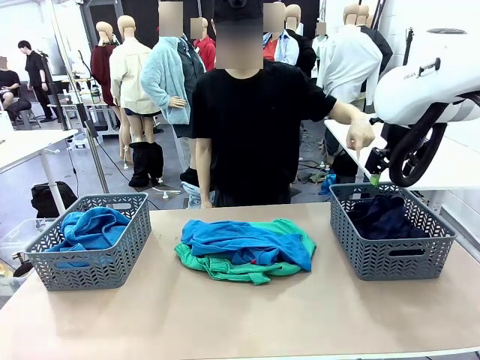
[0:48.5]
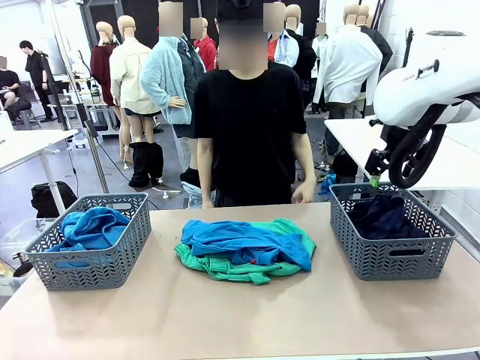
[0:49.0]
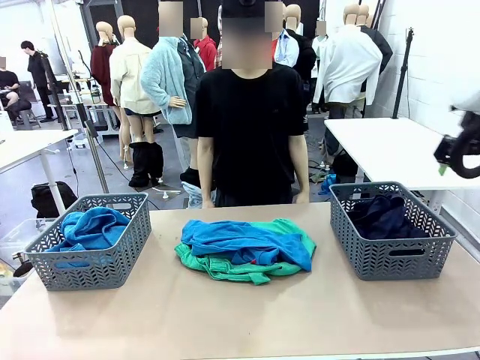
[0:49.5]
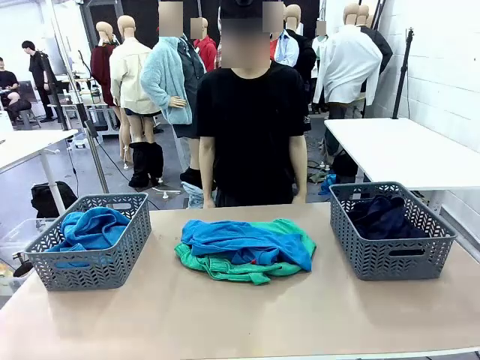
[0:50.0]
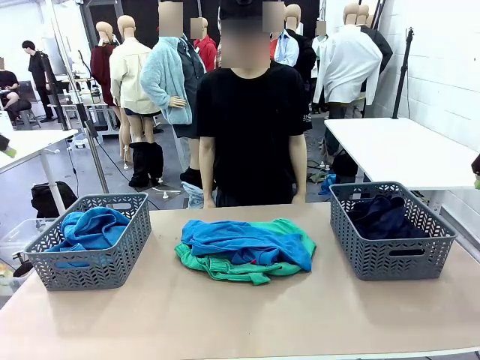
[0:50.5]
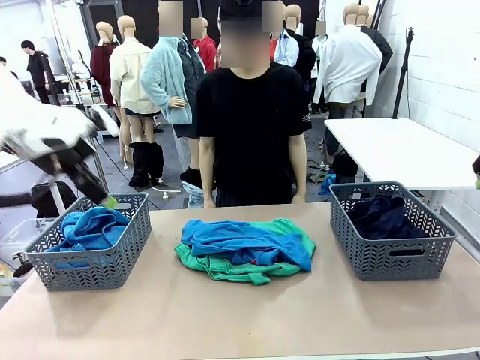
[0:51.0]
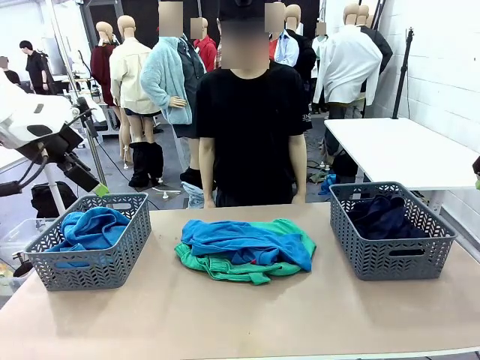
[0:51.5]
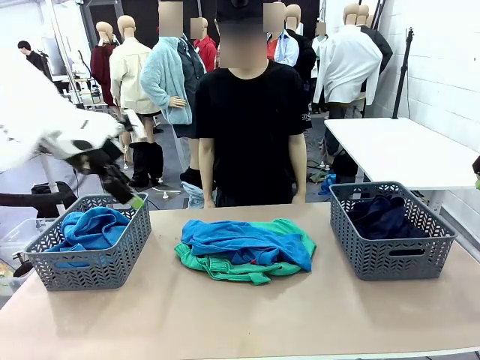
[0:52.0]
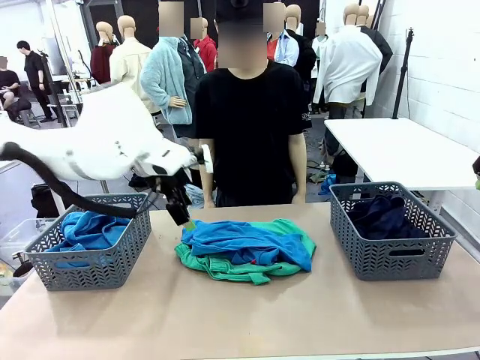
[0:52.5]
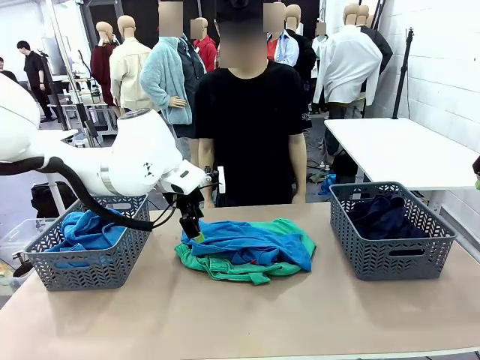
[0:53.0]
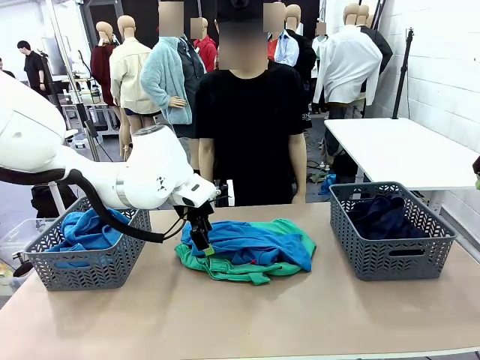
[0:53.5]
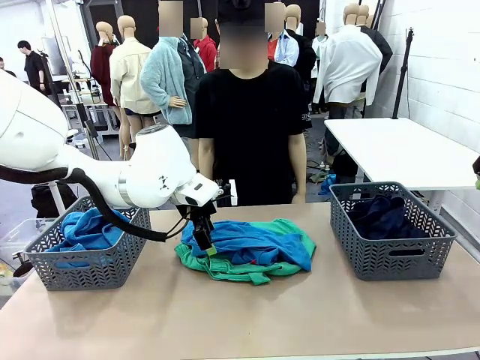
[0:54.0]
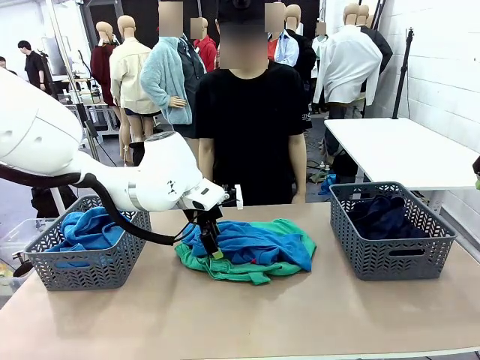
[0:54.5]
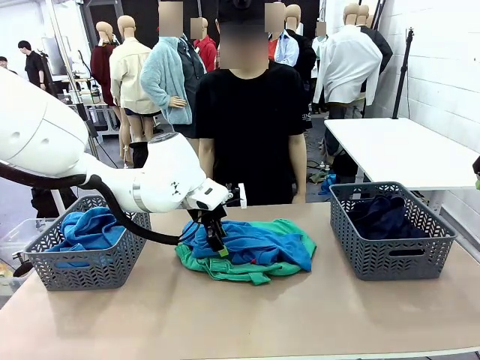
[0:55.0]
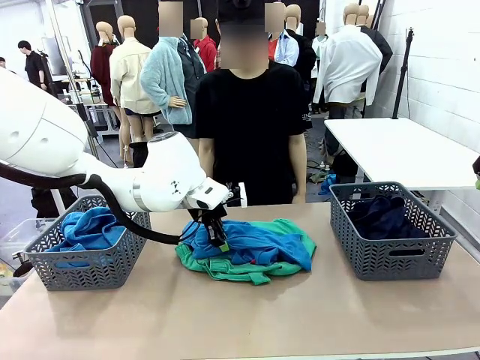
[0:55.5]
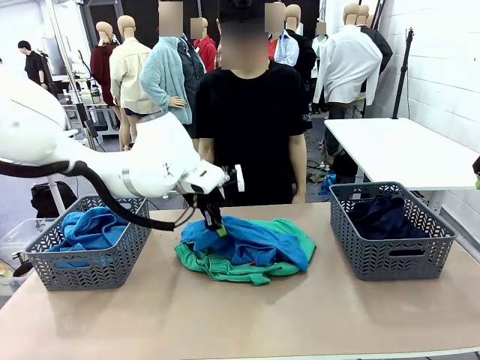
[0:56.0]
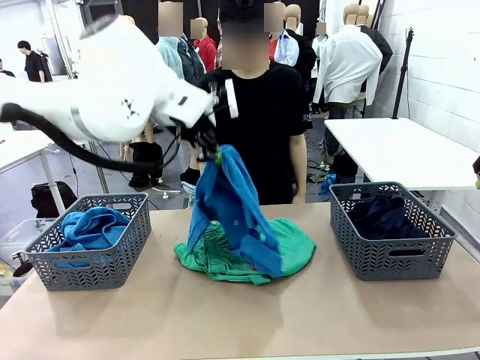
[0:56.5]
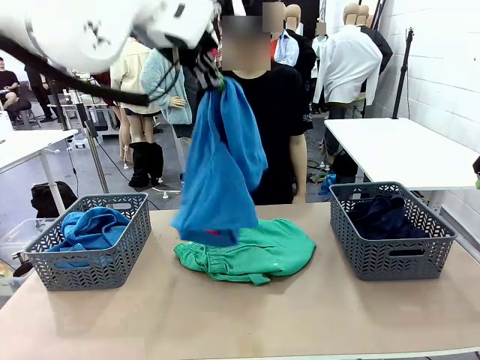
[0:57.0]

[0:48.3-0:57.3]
Task: Sort the tops and bottoms.
Robot: Lift clothes from the center of the table with your left hand.

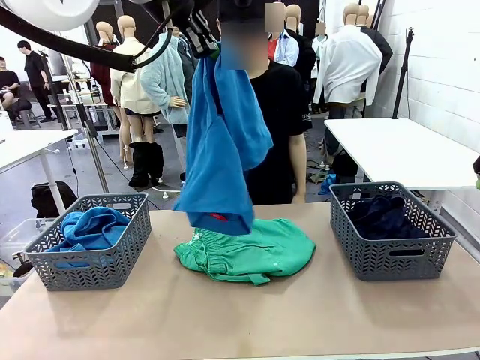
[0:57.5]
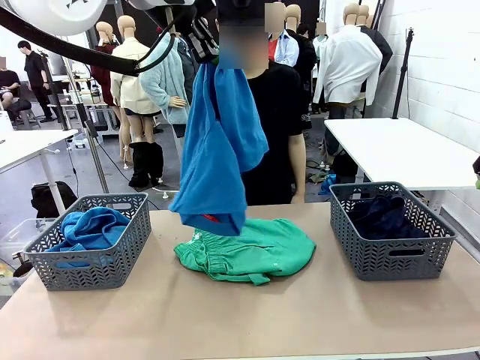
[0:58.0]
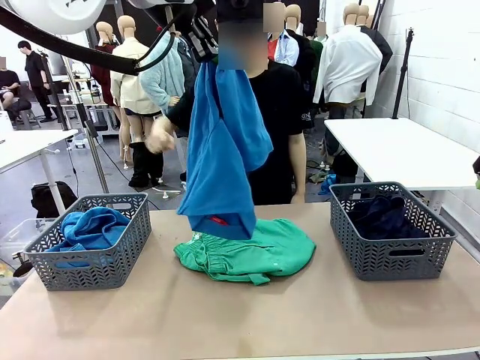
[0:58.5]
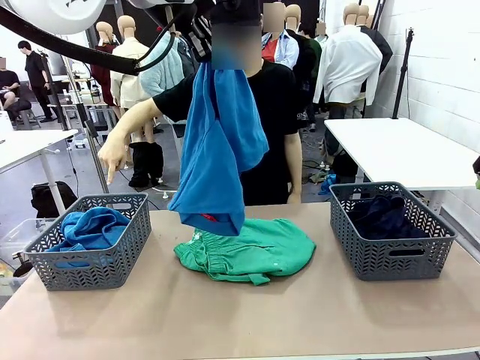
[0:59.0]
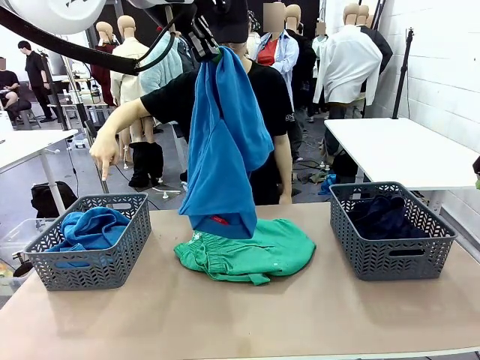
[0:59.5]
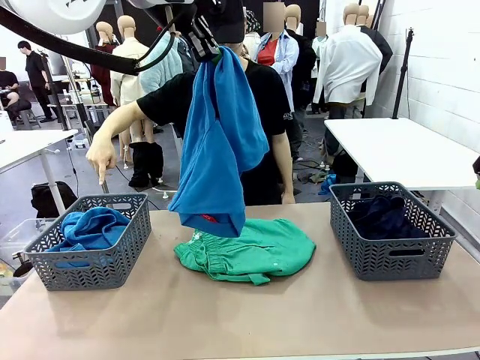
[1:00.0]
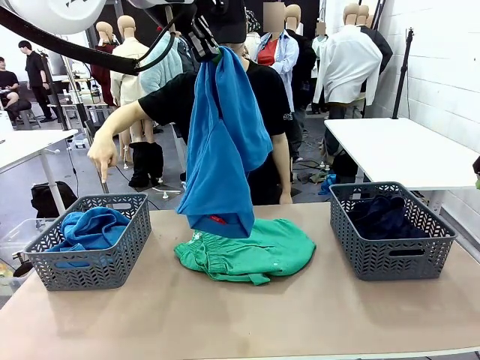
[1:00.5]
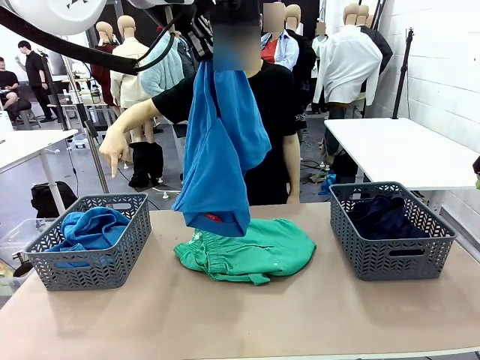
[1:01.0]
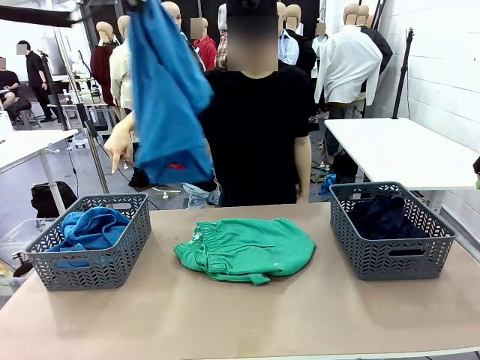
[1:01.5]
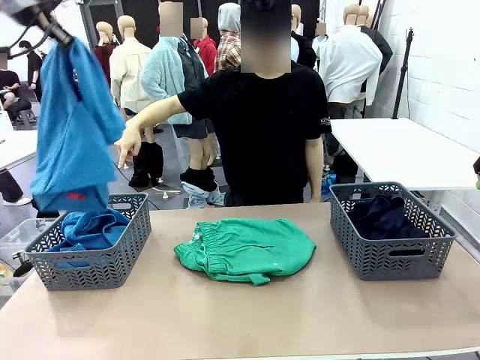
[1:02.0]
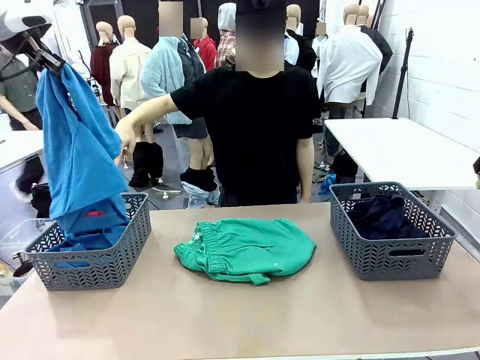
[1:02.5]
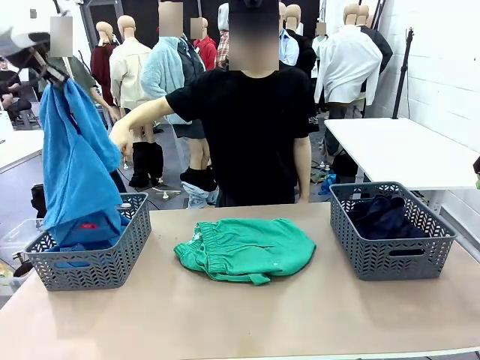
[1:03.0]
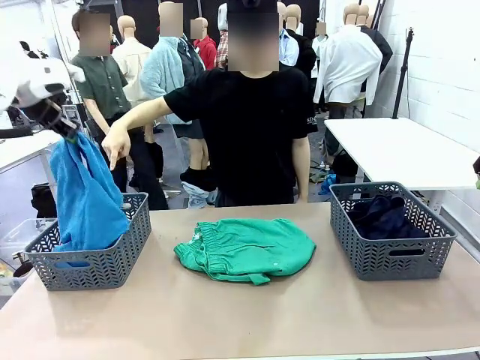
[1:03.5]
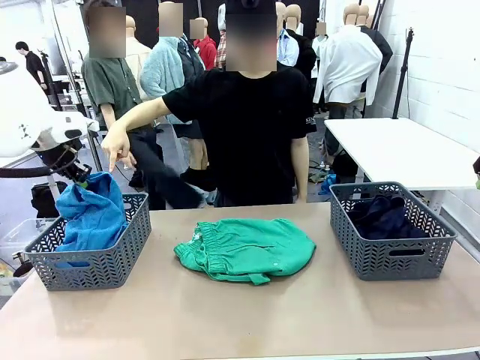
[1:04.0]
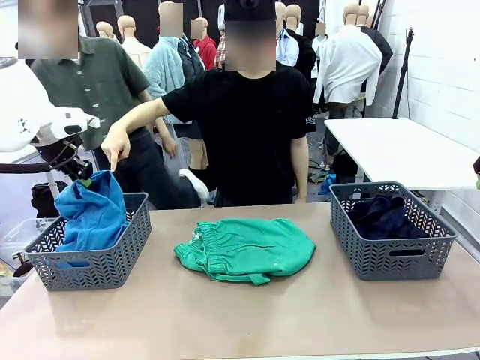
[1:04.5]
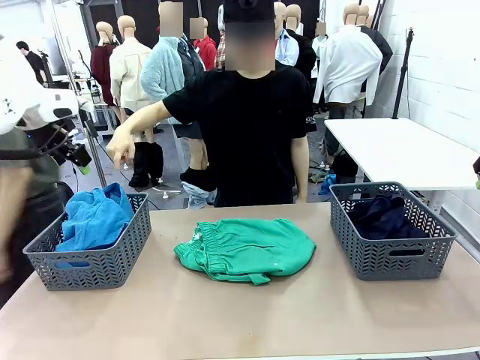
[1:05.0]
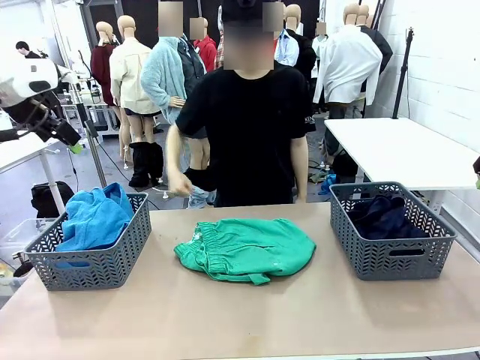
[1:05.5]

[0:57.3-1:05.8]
Robot: Sort the clothes according to human instructions.

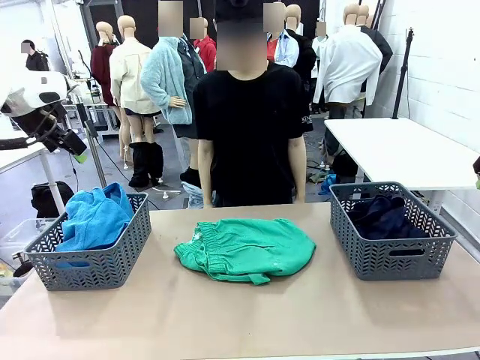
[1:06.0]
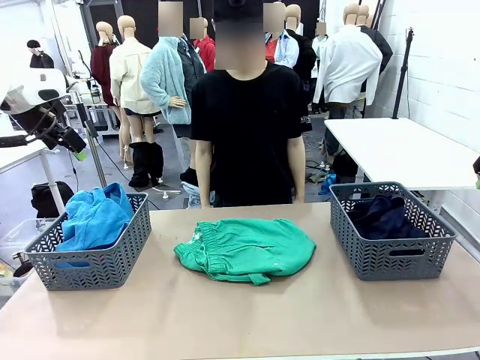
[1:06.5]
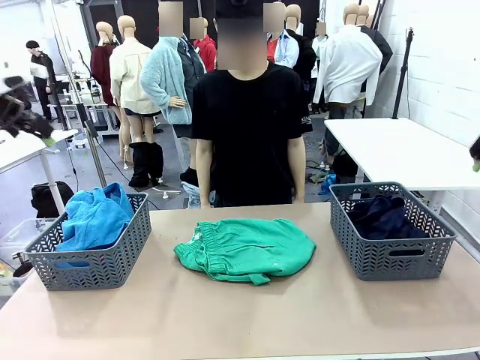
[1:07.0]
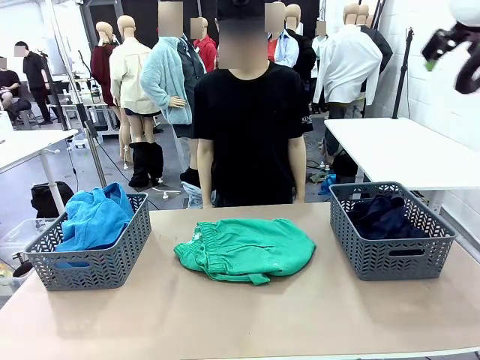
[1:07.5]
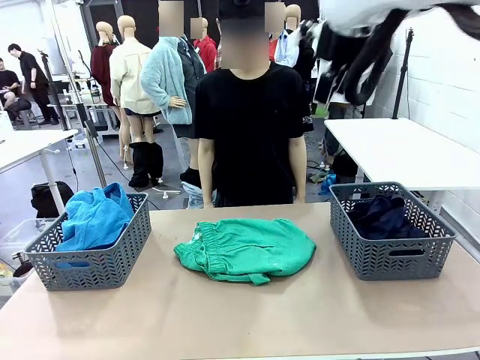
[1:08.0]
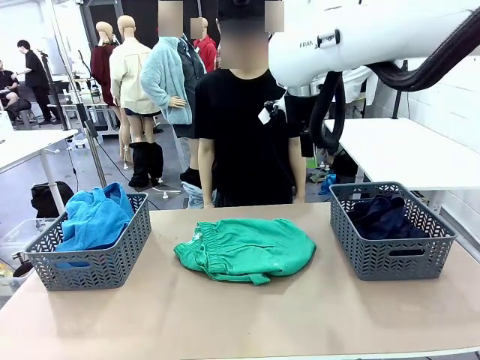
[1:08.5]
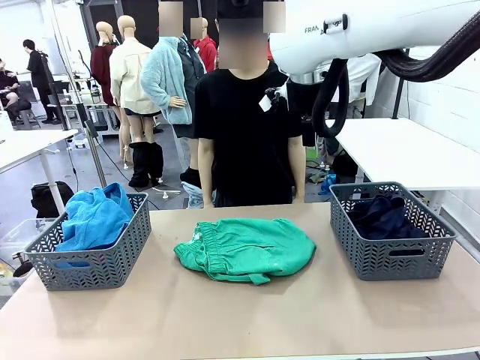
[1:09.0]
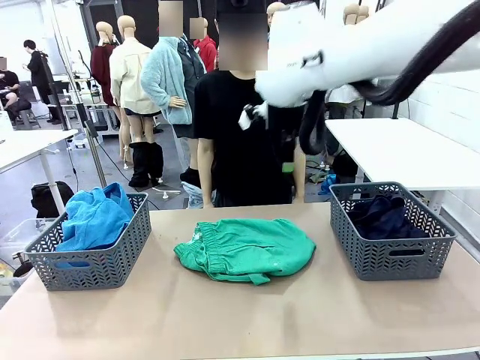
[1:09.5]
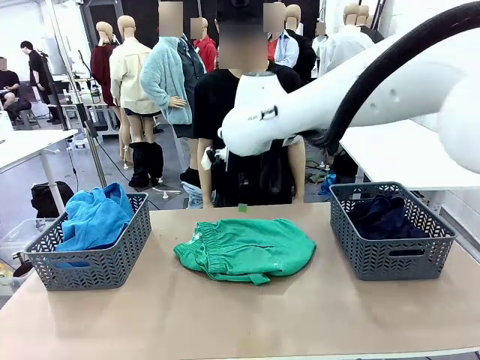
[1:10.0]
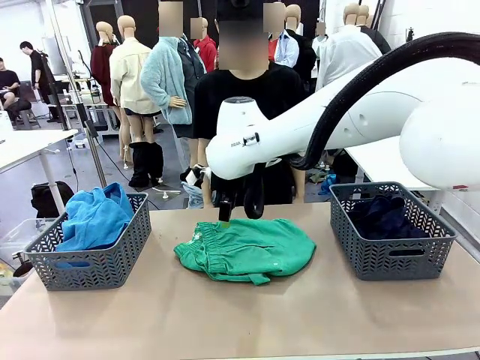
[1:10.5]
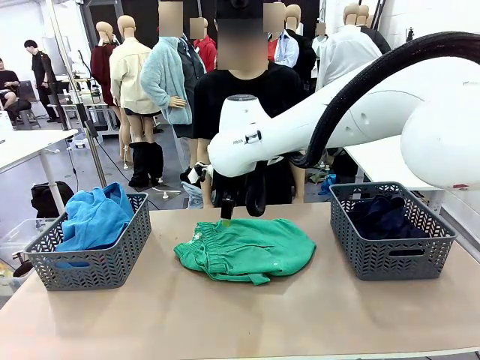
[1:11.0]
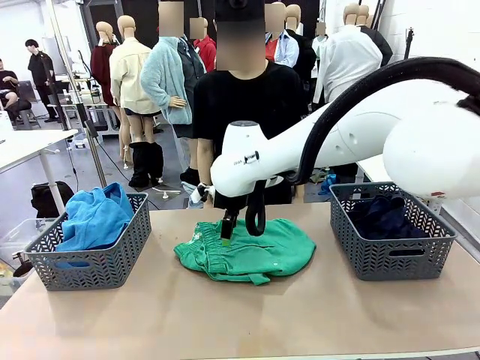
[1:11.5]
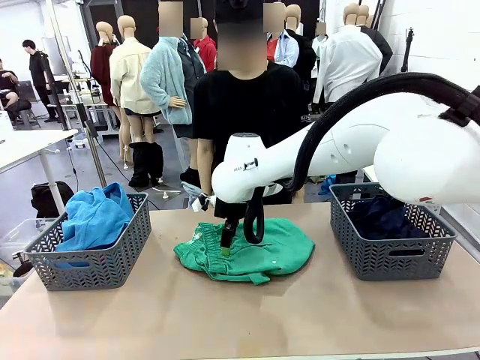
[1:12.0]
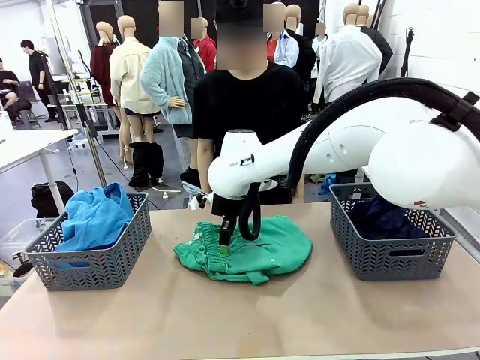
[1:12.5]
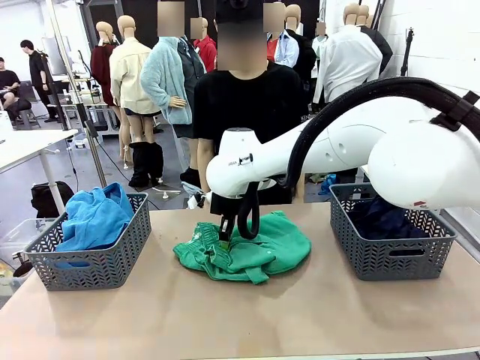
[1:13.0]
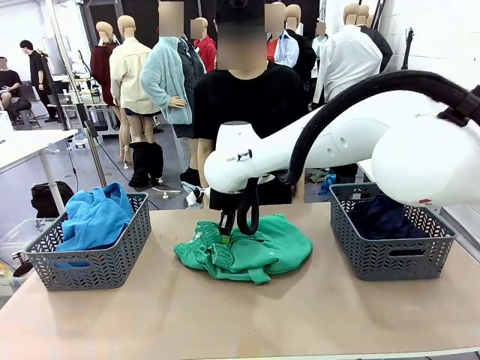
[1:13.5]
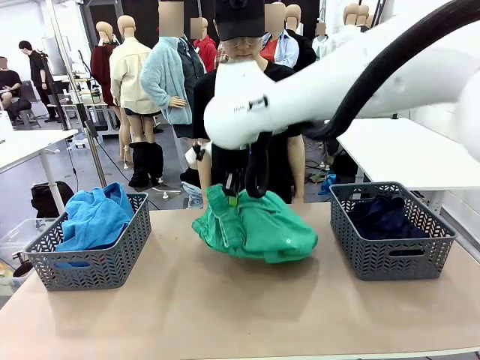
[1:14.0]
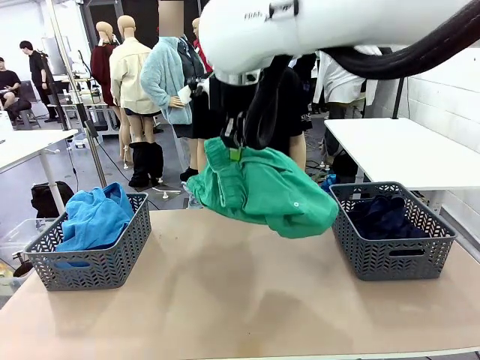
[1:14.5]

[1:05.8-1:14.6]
Robot: Lift clothes from the center of the table with your right hand.
